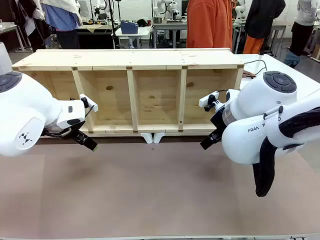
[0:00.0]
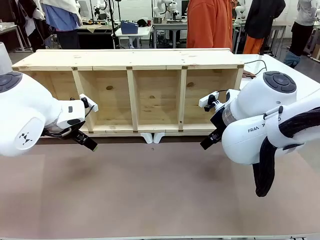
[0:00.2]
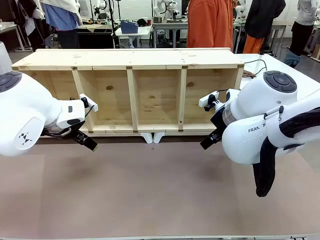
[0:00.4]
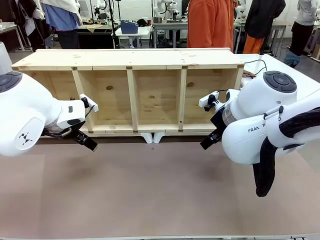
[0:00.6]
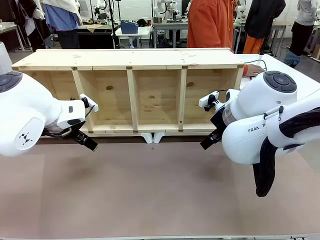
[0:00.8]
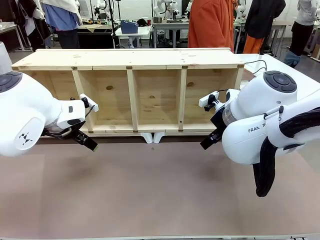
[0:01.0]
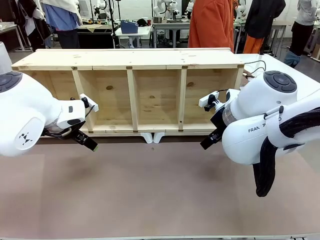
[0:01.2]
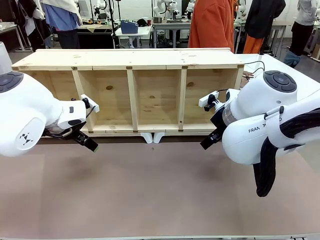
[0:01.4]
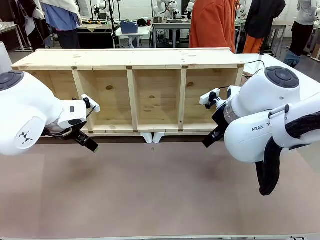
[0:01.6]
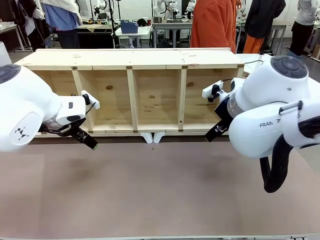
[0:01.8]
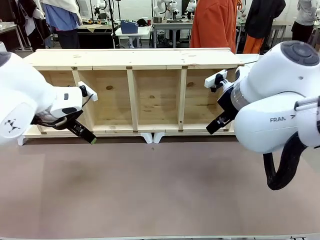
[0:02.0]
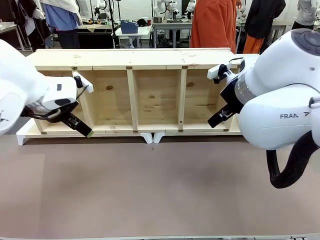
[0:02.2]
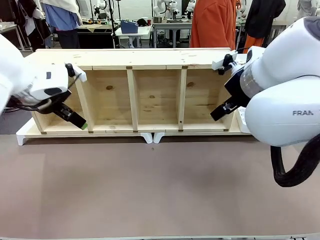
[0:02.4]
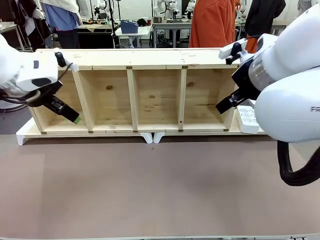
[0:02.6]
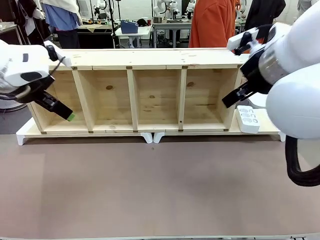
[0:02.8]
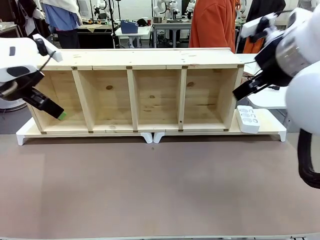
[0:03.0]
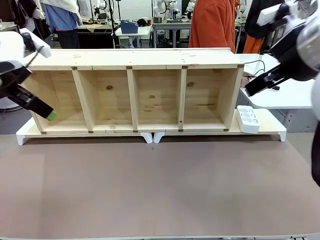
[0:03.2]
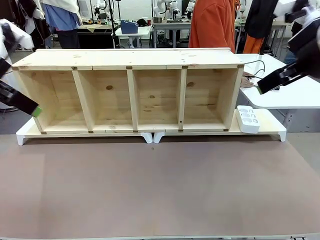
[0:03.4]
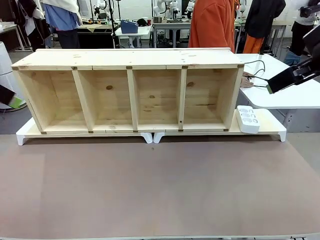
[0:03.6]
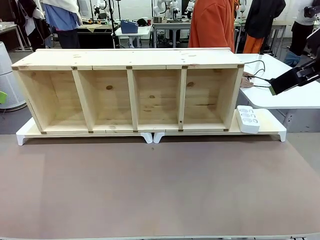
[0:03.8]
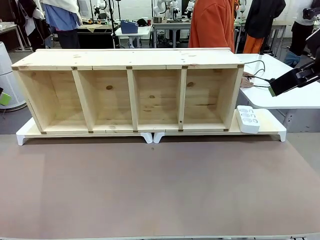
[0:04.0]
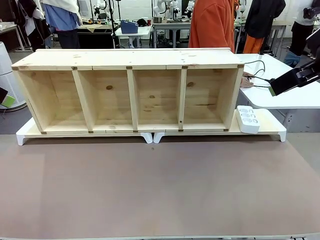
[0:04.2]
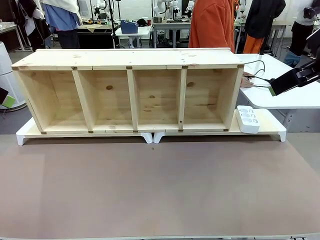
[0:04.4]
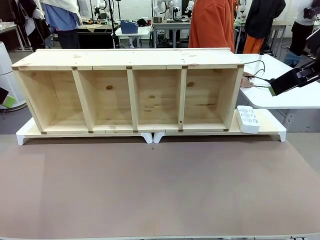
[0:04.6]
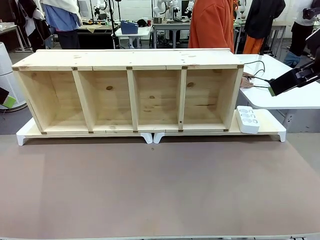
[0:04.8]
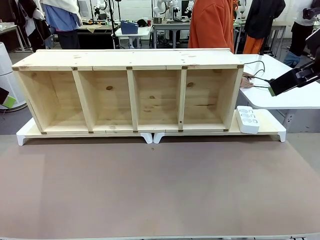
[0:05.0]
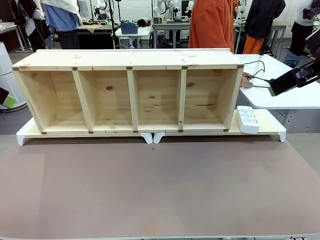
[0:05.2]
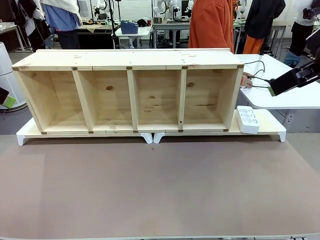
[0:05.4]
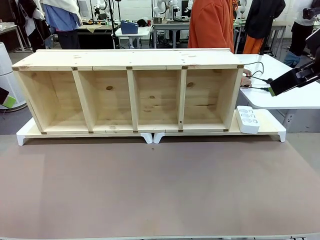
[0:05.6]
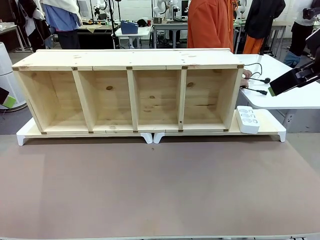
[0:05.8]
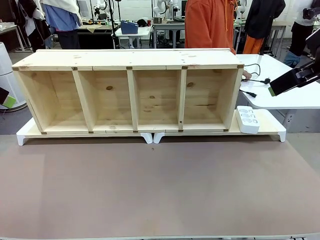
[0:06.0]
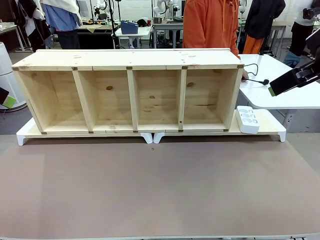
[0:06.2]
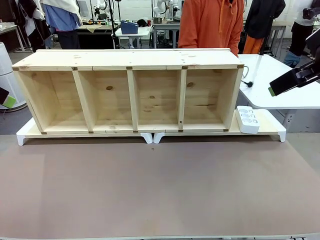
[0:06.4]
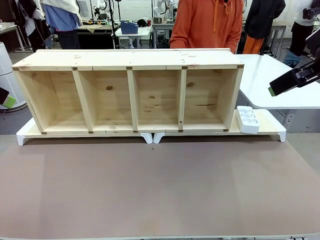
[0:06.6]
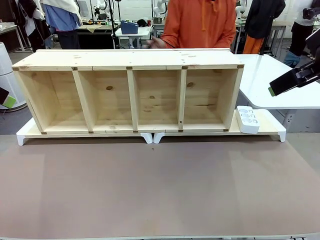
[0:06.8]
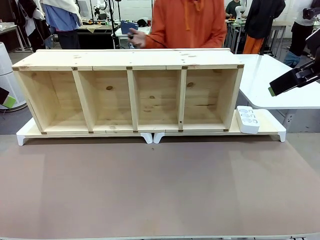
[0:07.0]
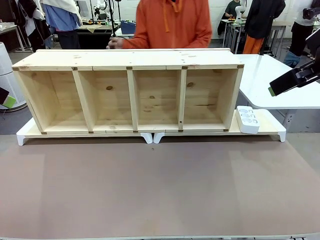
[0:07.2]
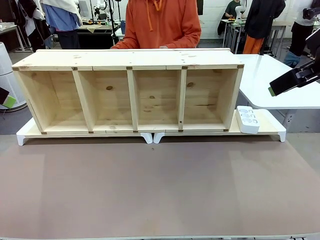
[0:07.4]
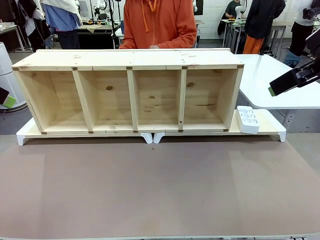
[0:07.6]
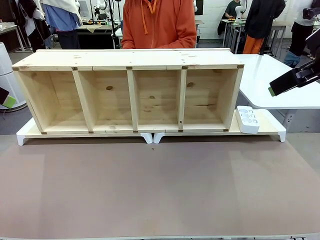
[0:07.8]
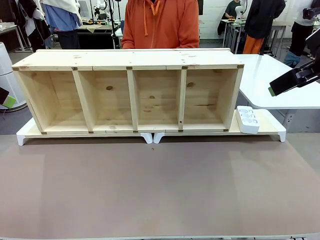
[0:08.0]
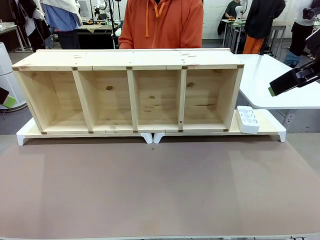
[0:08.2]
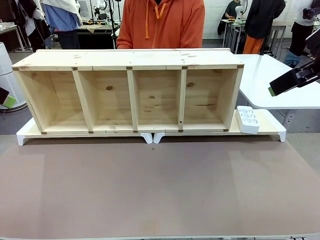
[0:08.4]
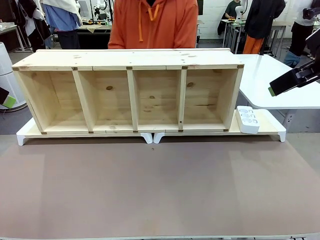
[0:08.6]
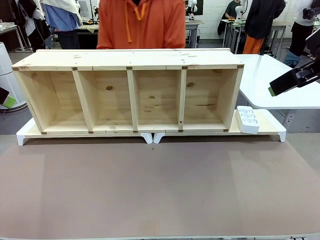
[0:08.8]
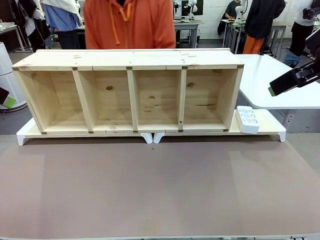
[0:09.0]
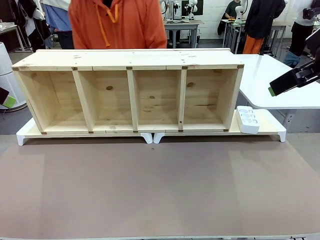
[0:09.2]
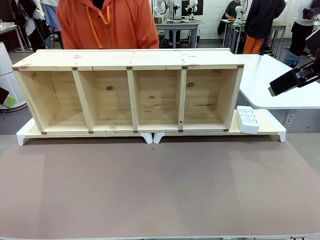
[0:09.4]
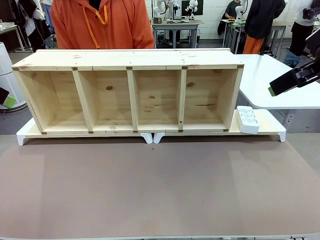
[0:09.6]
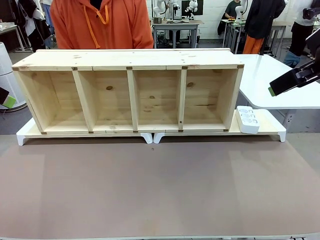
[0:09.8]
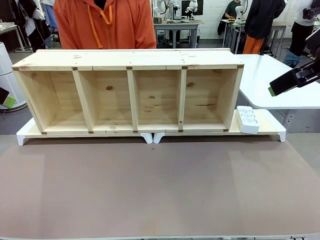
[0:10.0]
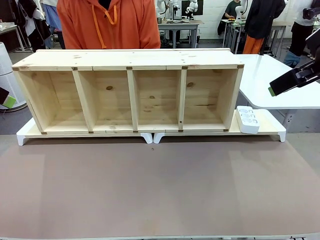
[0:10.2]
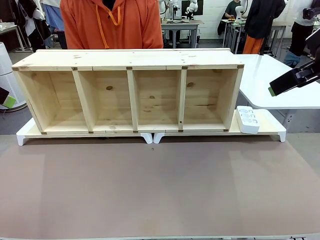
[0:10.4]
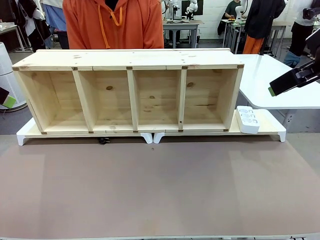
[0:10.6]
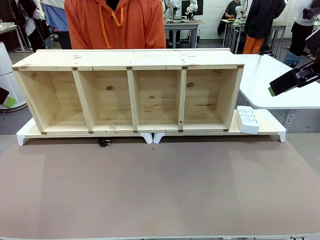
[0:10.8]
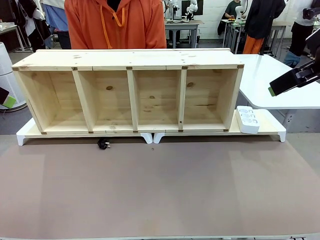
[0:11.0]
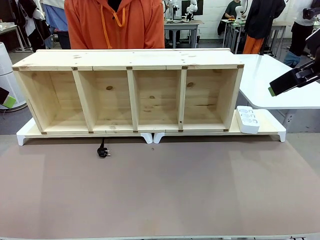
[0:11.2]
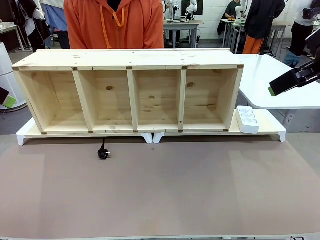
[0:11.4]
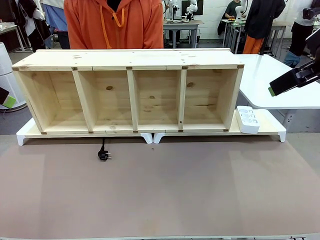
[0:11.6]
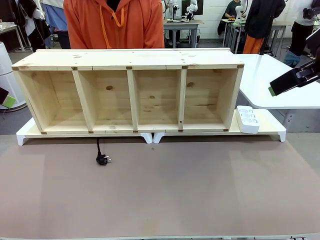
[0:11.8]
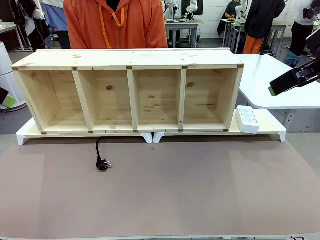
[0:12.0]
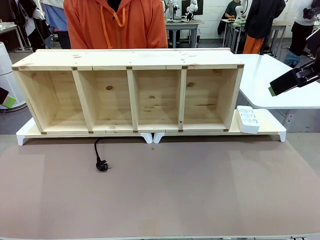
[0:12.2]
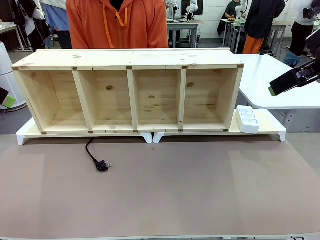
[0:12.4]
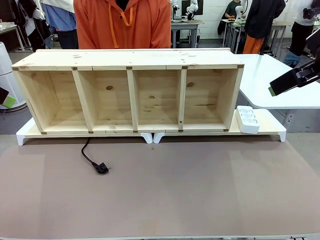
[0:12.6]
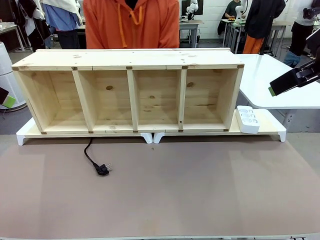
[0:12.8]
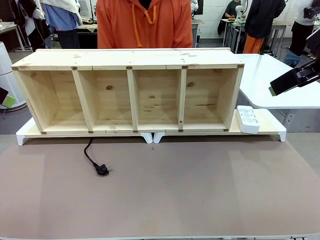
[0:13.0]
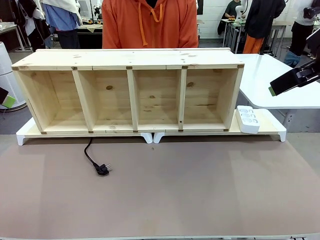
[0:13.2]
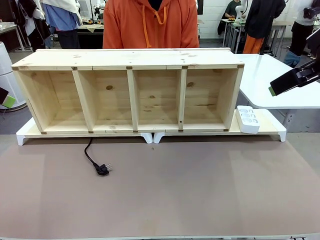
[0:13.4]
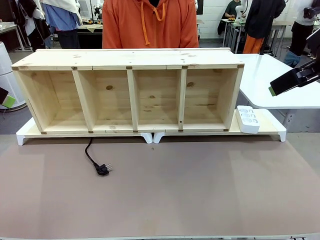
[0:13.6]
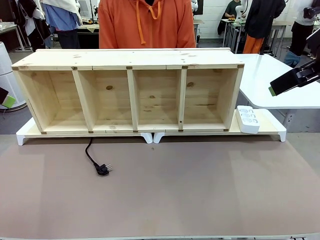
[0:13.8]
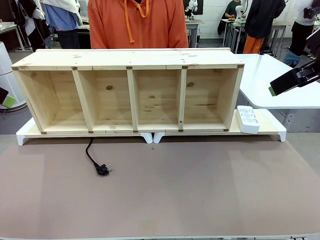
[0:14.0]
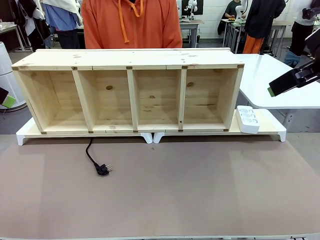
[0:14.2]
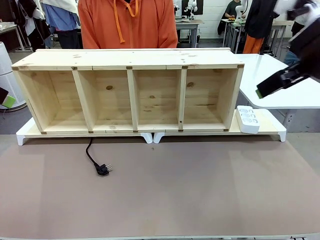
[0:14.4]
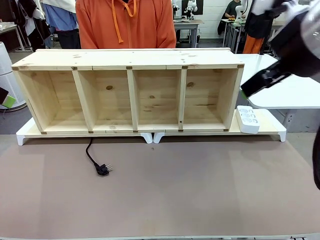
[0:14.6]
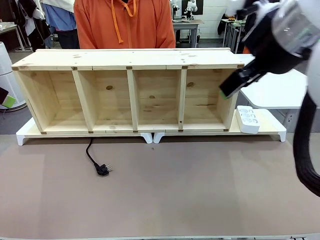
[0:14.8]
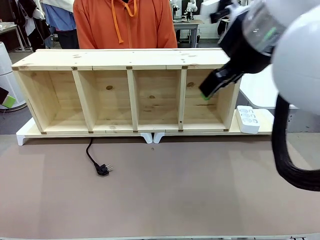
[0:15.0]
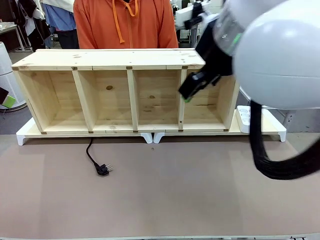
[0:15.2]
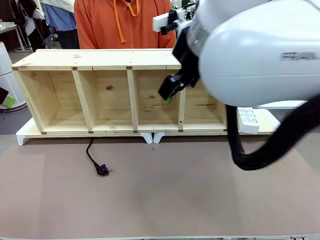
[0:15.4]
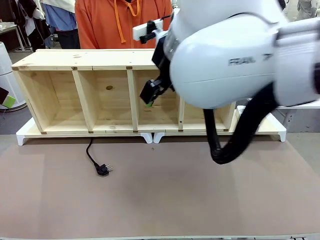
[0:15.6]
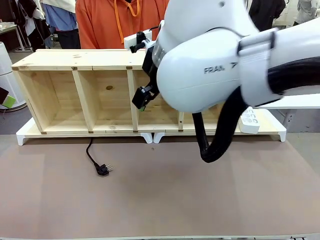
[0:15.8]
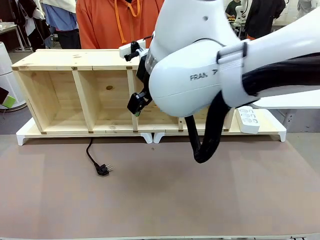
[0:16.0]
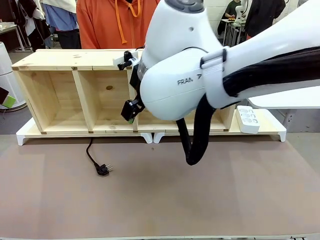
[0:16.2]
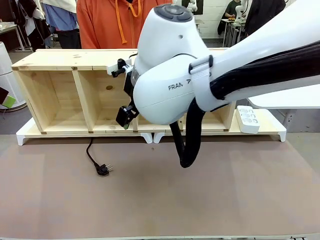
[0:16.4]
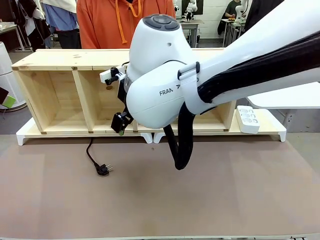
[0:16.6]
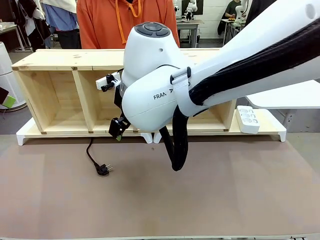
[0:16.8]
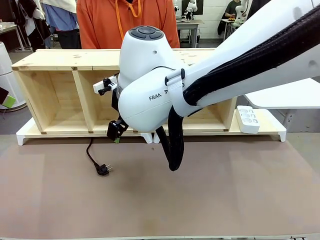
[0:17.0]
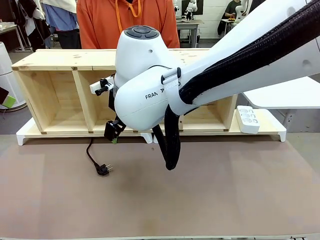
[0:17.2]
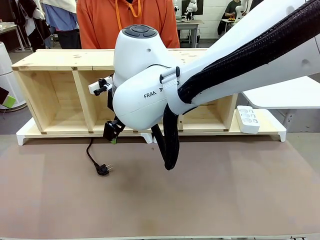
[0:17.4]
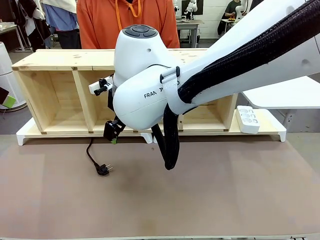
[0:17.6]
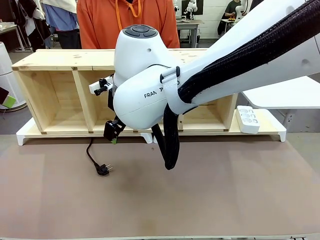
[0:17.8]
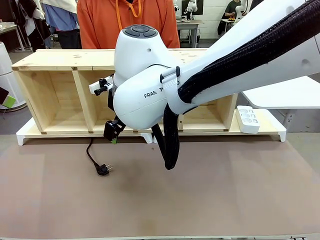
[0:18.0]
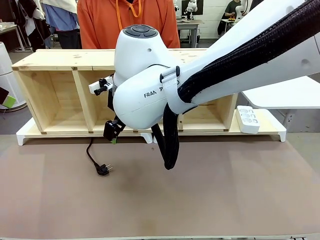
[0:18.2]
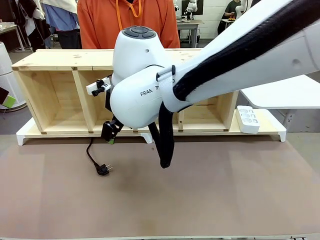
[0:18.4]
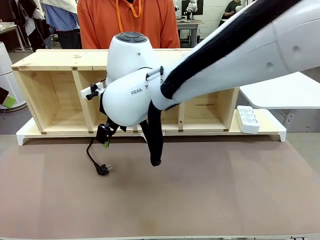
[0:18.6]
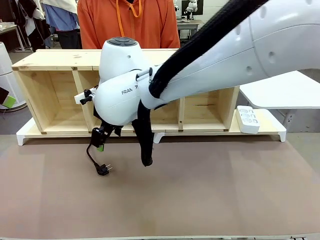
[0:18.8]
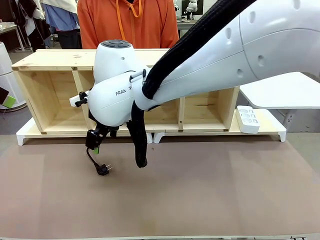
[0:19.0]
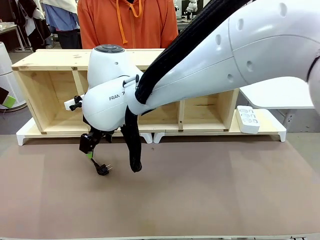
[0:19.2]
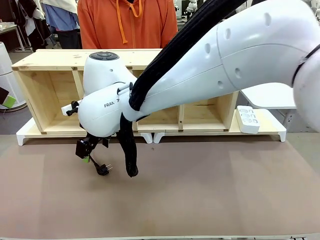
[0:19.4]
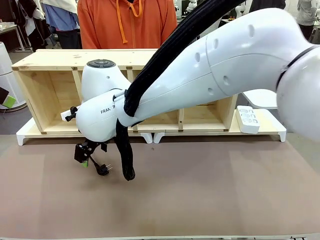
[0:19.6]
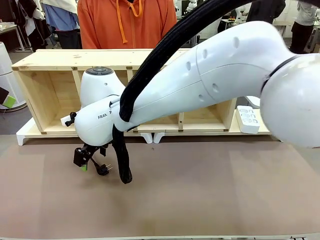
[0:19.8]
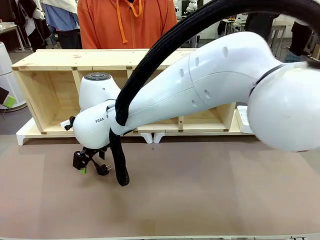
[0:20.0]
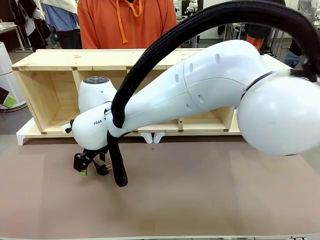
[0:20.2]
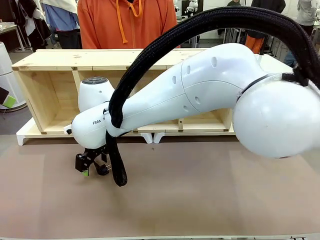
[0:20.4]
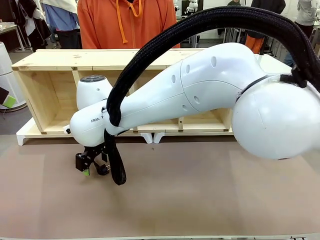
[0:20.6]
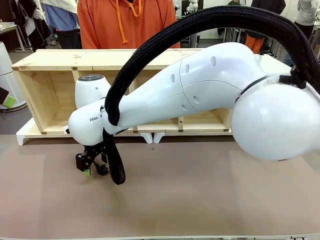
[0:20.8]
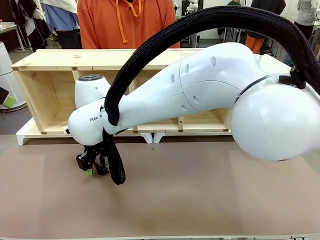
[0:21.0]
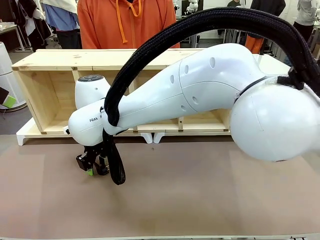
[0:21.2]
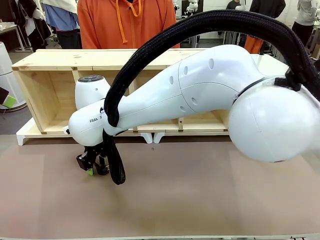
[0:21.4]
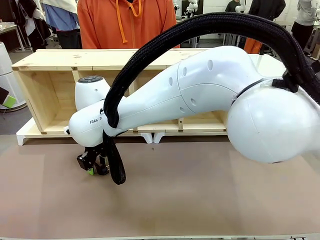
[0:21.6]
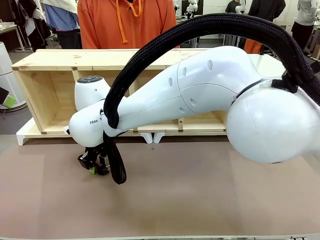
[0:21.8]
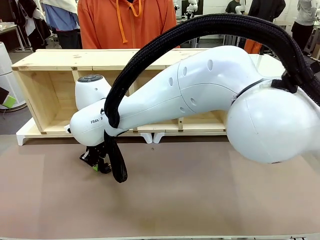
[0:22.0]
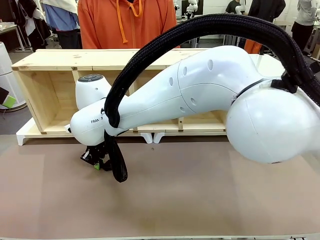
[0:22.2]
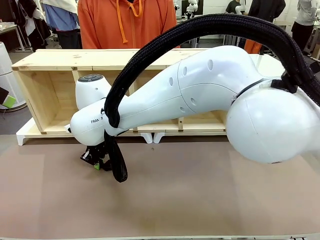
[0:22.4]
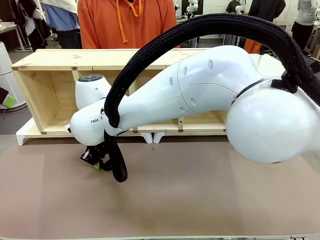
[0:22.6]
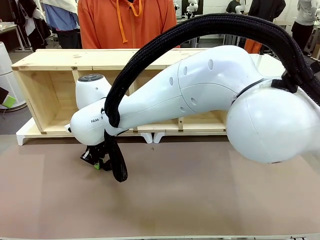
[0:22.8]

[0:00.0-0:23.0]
Task: Perform cable management.
Robot: When the cord part of the Power Cable appears at the lower middle area of the table and stops, grasp the cord part of the Power Cable.
Person: Pass the Power Cable under the Serving Table.
